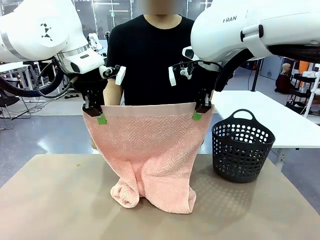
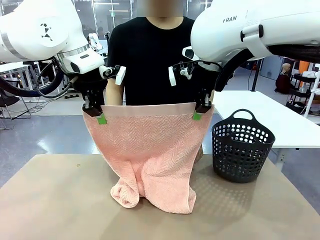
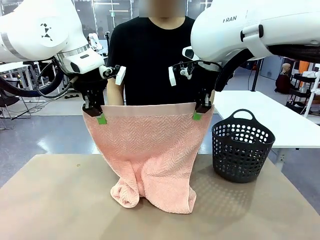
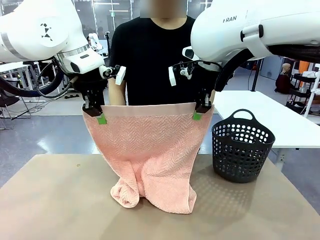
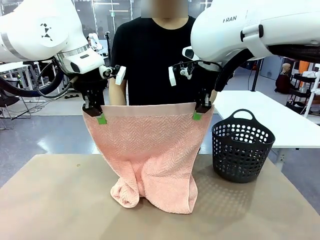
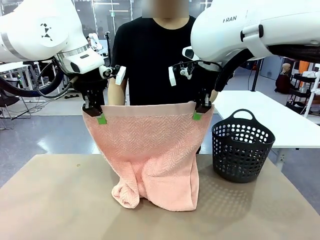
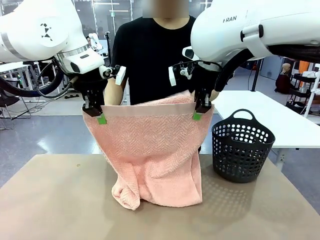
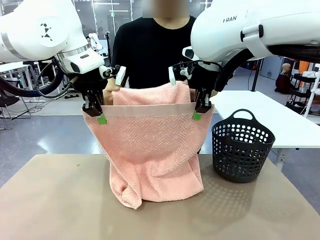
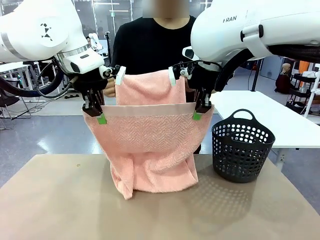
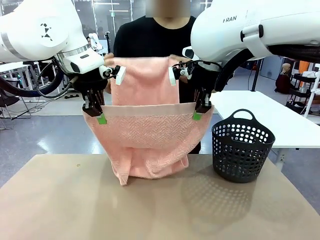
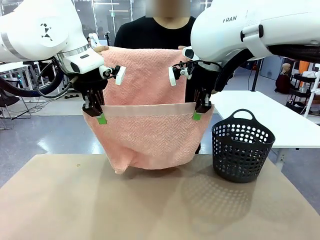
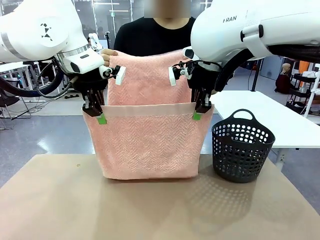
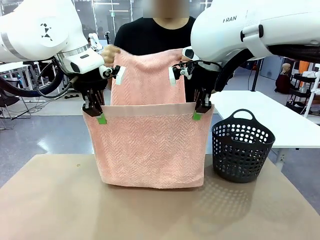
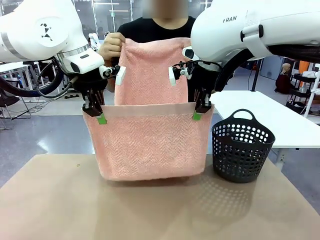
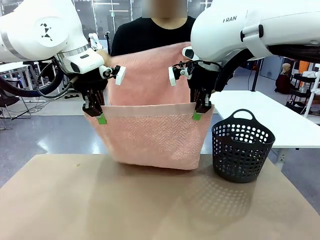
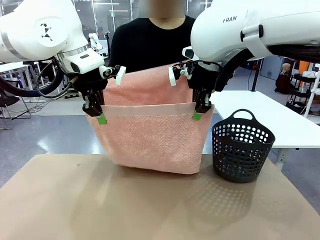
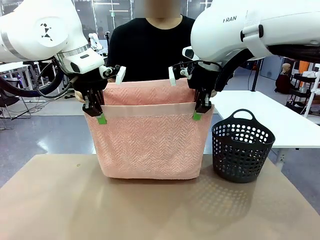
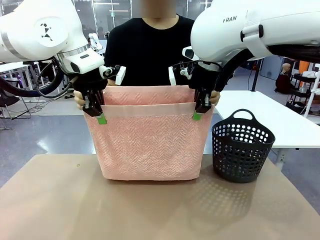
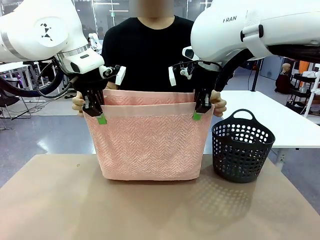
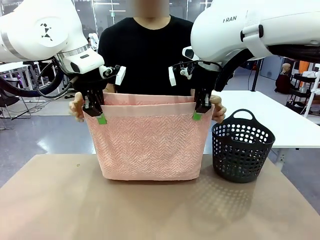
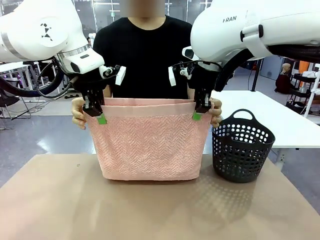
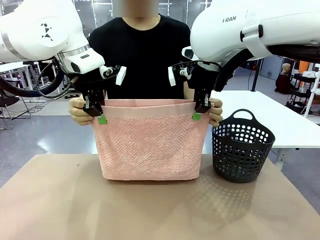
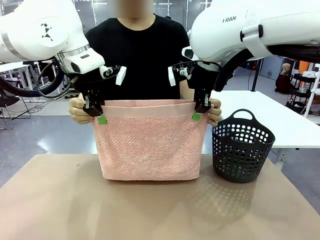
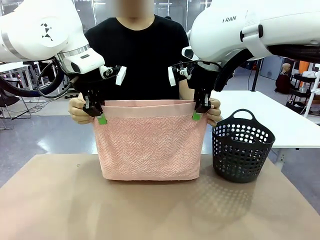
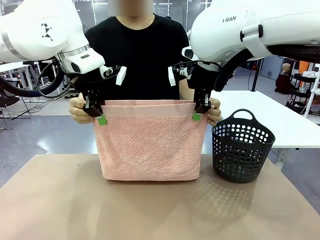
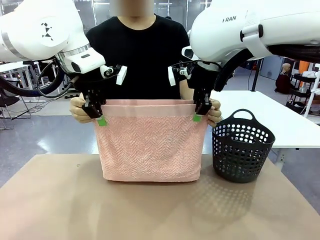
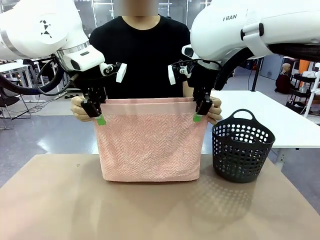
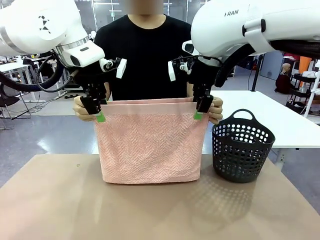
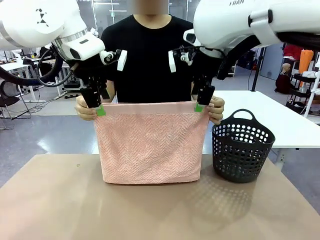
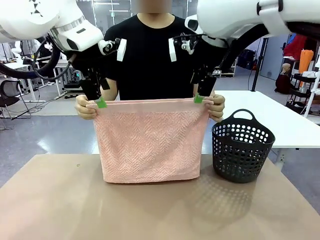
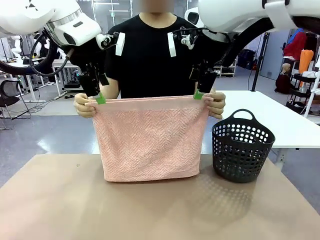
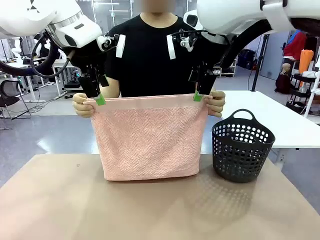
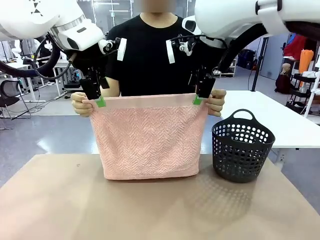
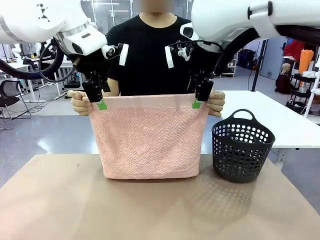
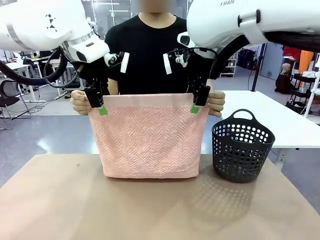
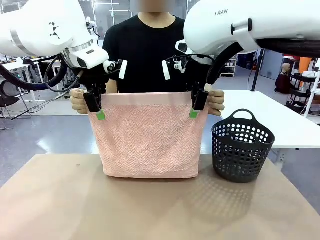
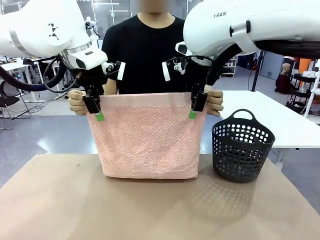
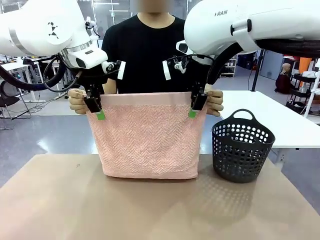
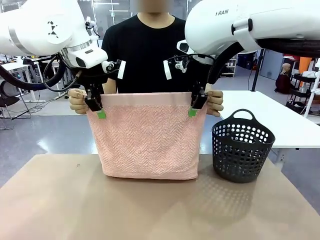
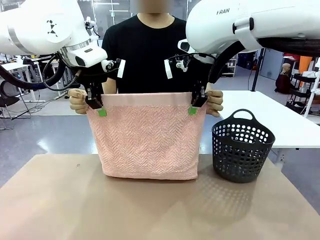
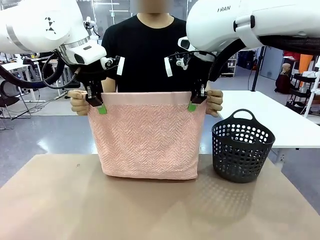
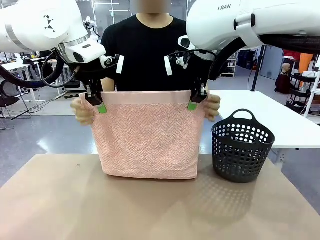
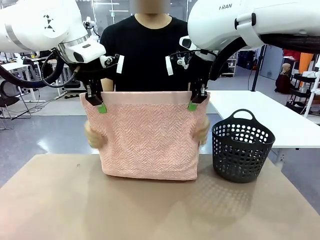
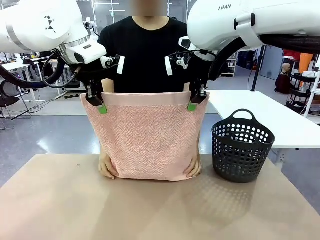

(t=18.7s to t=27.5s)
Task: Fold the towel.
Robot: Release the end of the 100 cm Hotel Towel you were holding and grab the top end of the folded side.

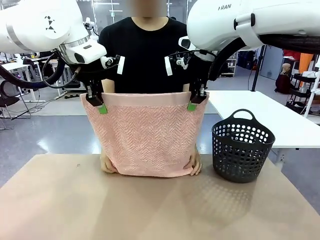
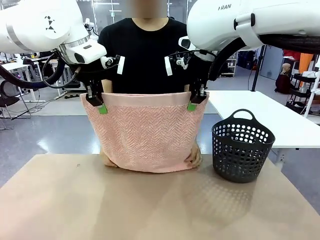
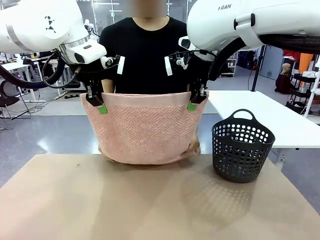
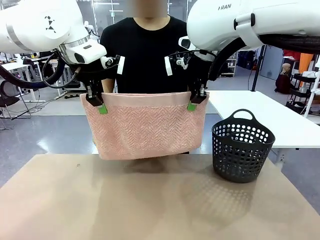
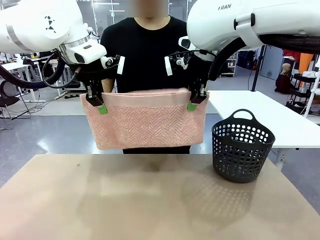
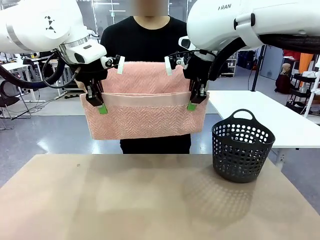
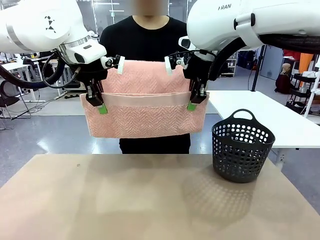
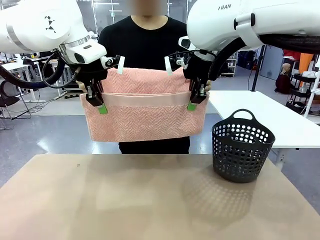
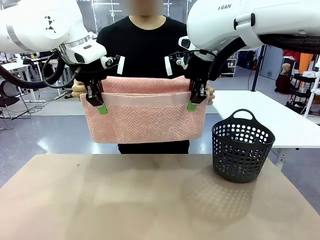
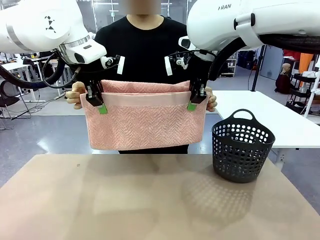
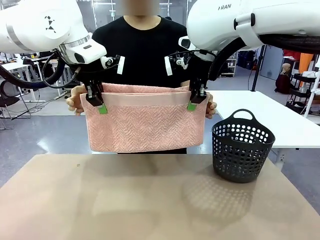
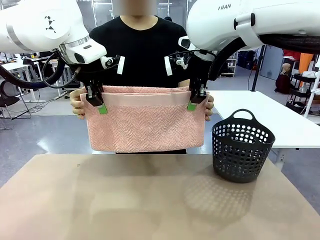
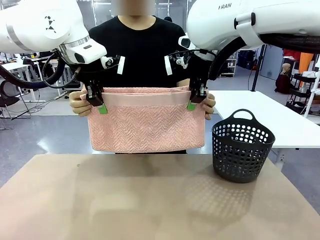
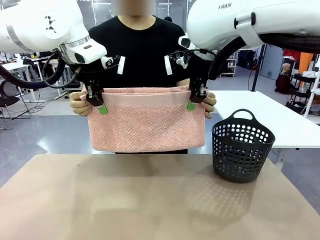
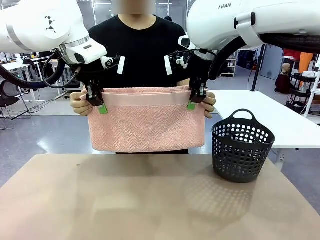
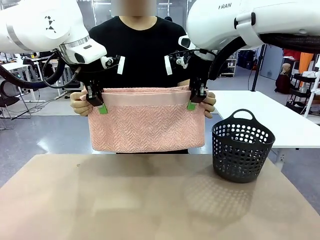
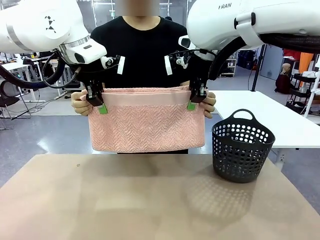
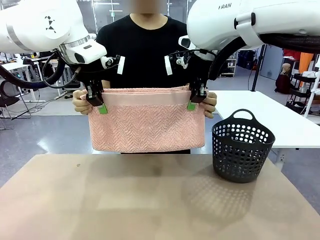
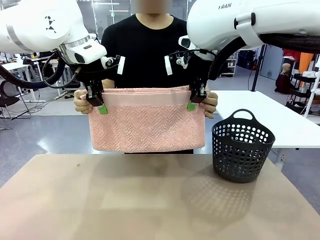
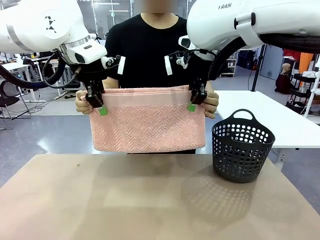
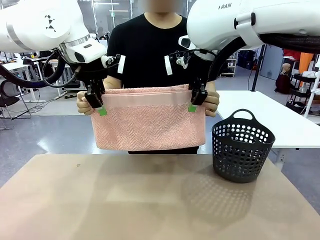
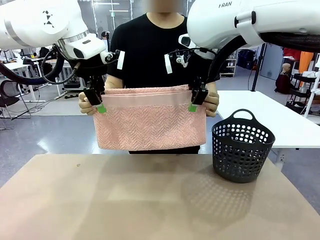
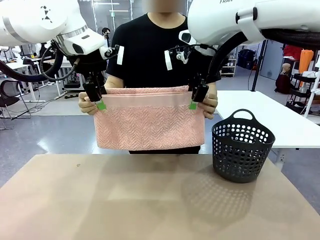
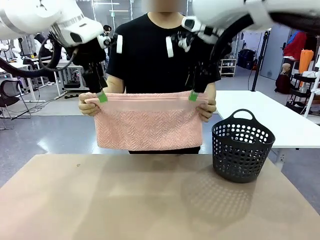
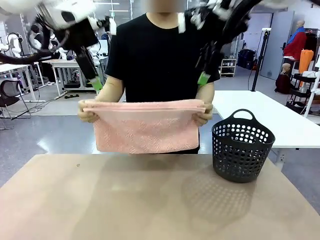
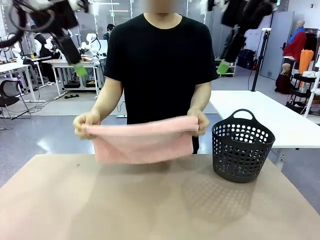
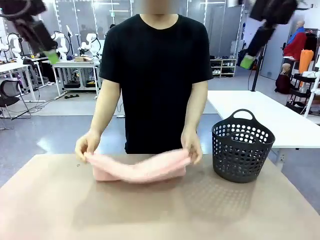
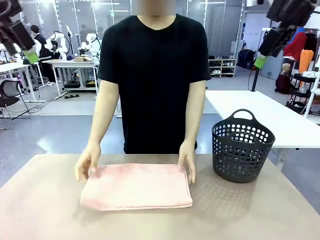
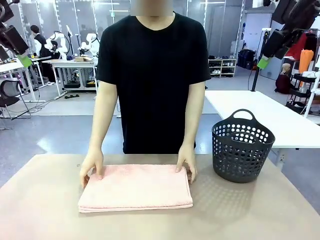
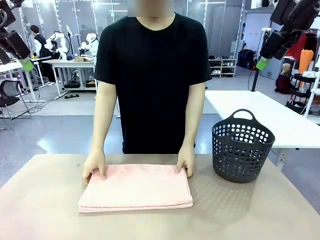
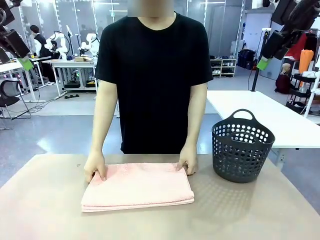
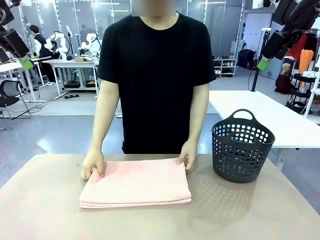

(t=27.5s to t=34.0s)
Robot: Release the end of the 100 cm Hotel Towel you were holding.
Person: Place the towel at the center of the robot table and fold it in half.
